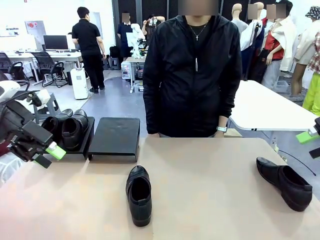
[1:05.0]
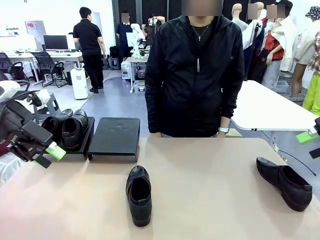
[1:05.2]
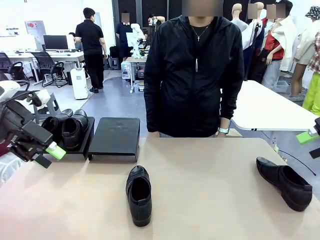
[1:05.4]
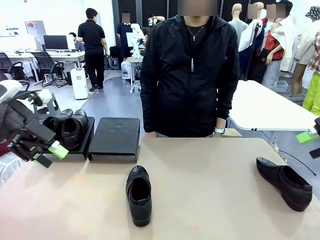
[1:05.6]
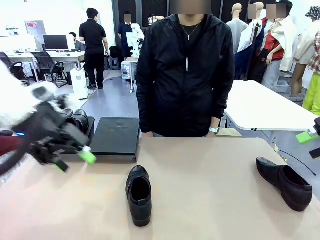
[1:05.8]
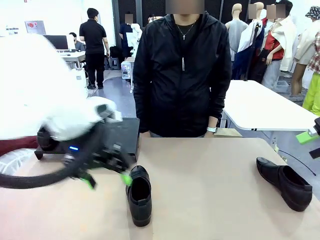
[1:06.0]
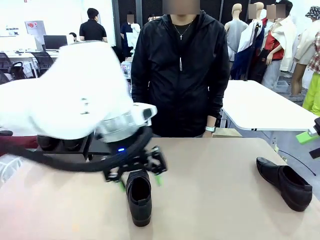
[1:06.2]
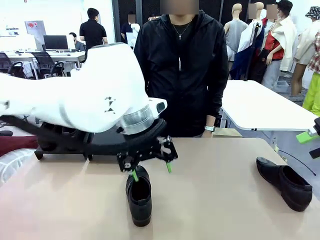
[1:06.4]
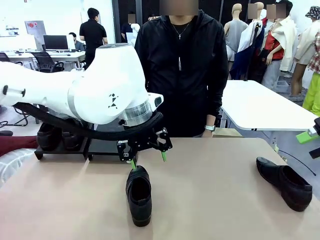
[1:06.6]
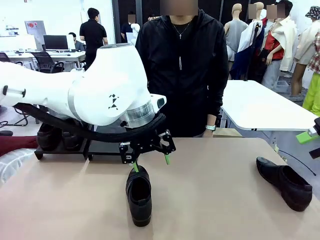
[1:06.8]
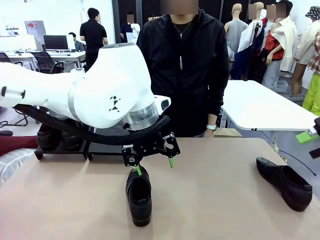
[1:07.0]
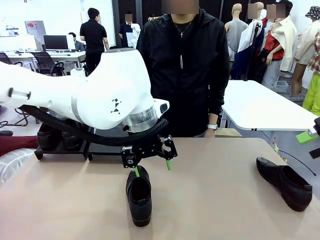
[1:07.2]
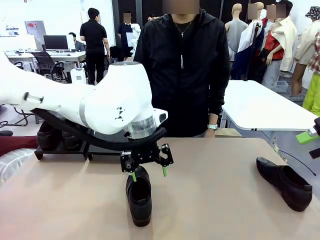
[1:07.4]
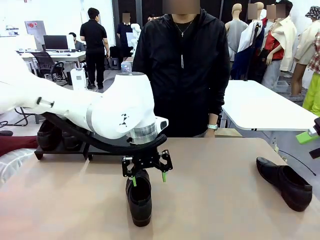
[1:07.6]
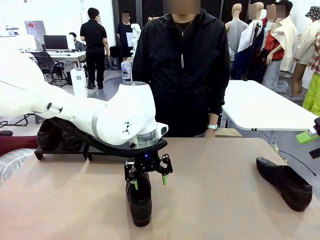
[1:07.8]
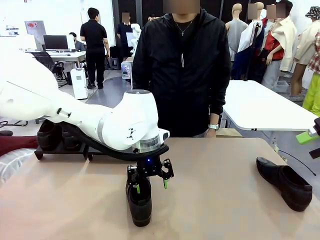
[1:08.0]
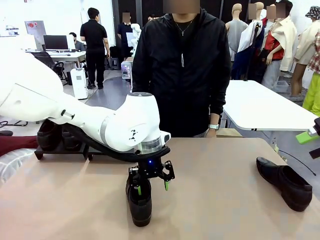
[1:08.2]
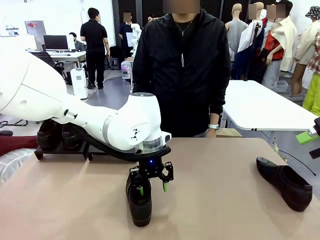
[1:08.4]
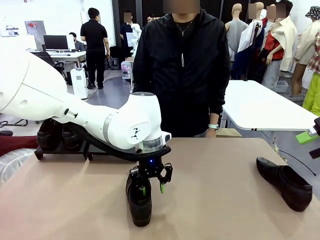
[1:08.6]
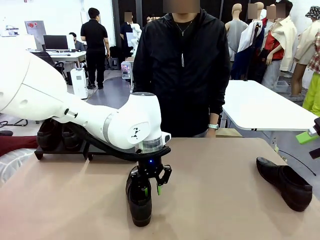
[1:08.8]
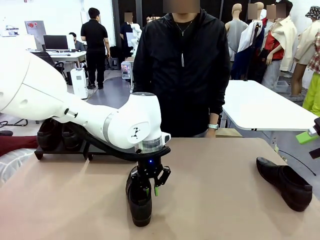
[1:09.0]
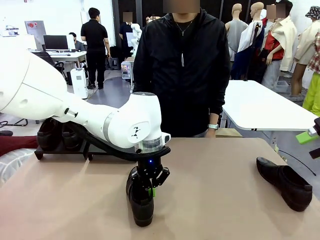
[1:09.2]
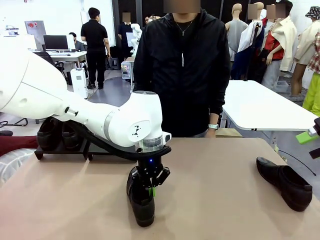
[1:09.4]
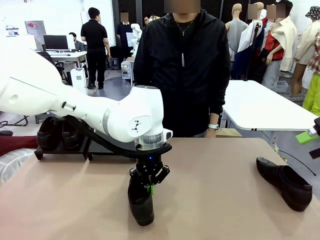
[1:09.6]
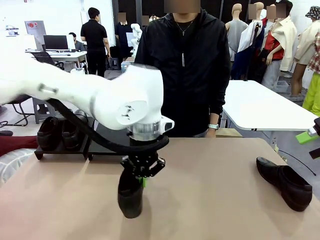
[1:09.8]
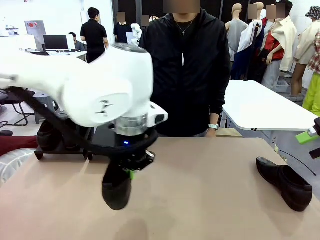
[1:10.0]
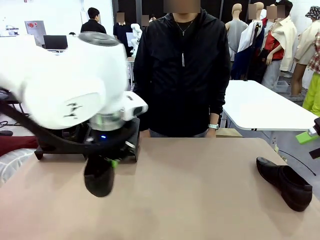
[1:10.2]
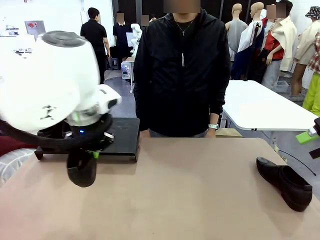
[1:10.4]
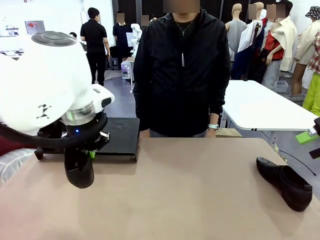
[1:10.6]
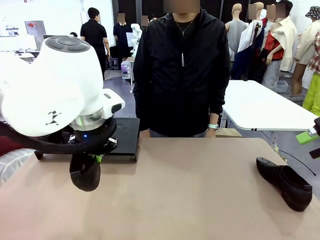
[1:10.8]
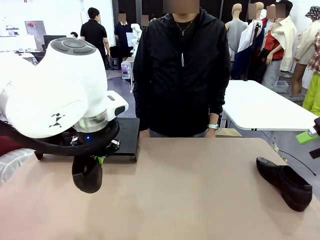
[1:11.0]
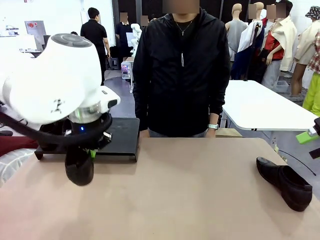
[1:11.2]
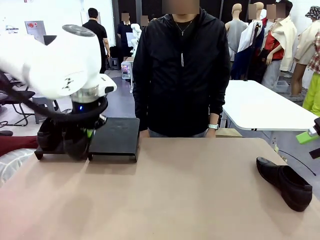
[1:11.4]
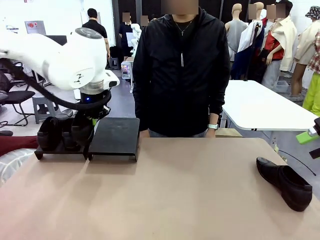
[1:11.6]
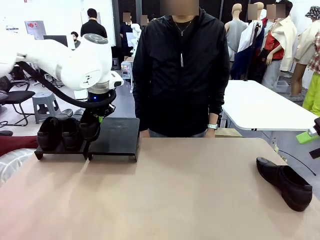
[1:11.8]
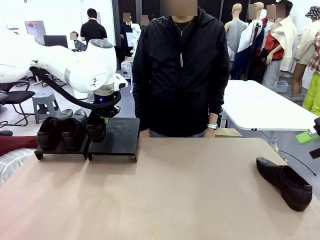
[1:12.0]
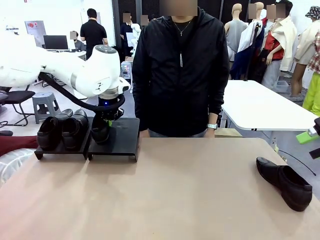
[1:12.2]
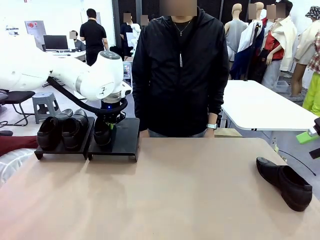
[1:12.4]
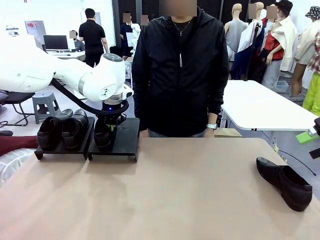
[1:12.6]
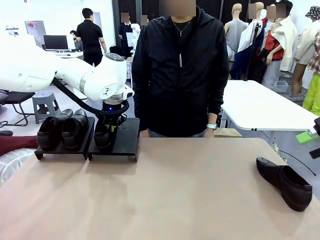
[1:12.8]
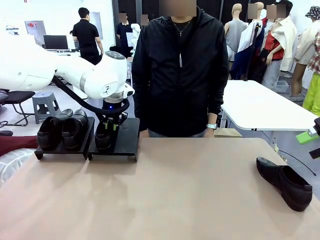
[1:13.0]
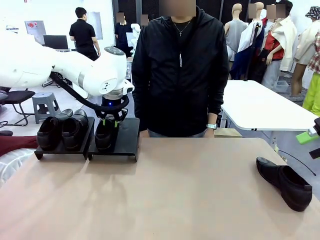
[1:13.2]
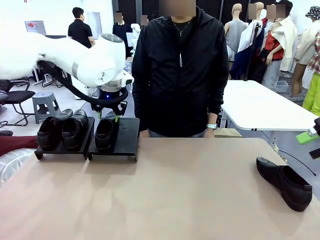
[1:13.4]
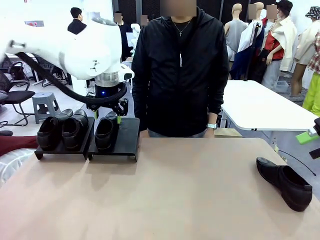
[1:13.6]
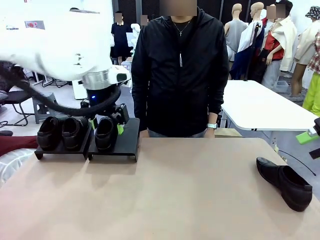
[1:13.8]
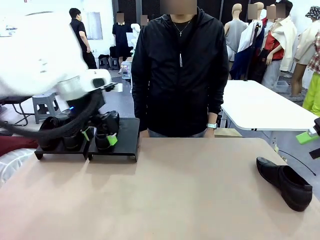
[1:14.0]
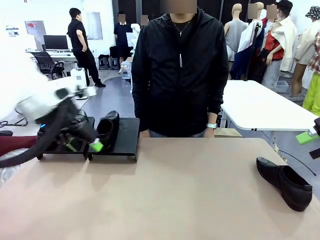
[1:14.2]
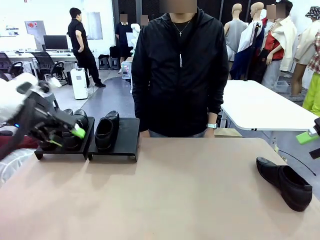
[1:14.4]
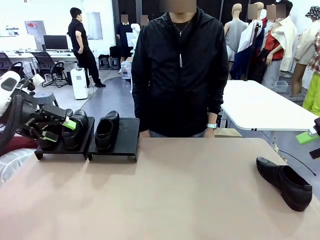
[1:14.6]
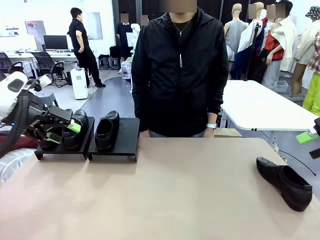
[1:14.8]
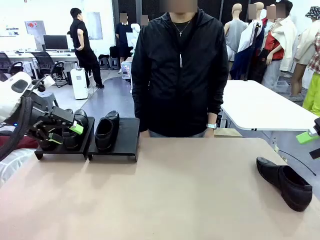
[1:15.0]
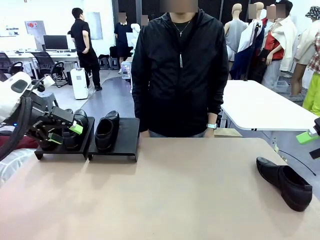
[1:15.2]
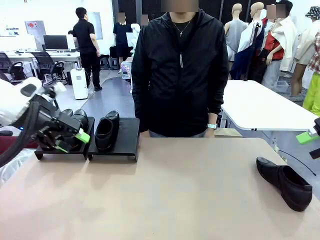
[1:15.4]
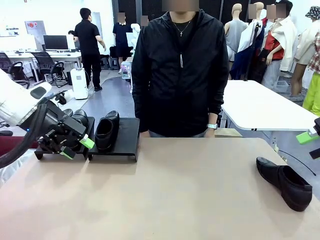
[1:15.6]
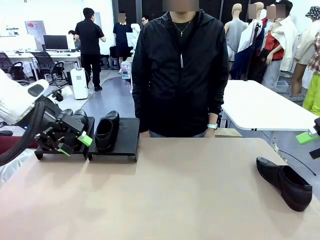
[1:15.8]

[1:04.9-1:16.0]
Task: Organize the shoes by placing them on the stand.
Robot: Place the Shoe from the middle of the table onto the Shoes Stand.

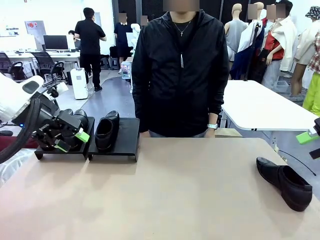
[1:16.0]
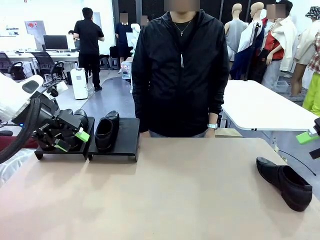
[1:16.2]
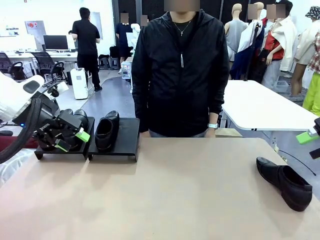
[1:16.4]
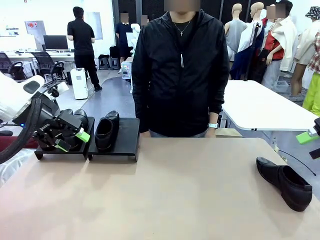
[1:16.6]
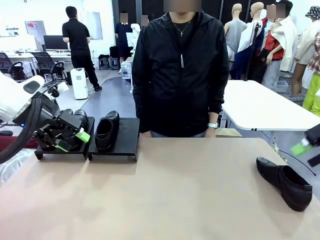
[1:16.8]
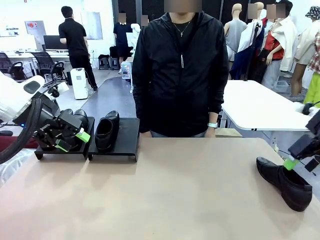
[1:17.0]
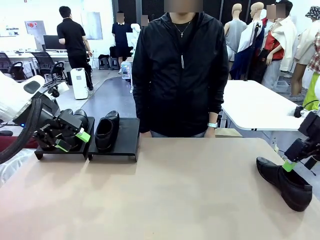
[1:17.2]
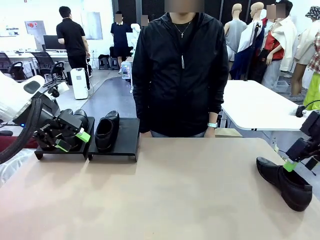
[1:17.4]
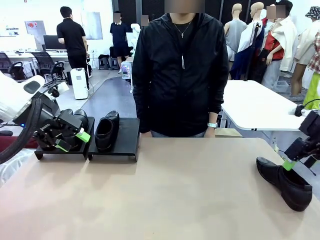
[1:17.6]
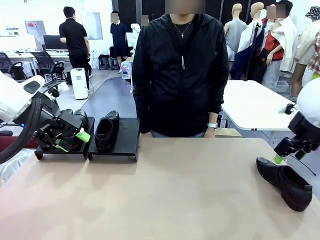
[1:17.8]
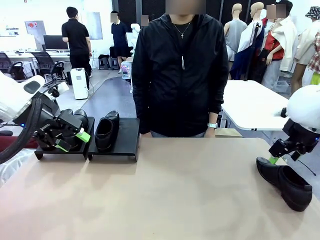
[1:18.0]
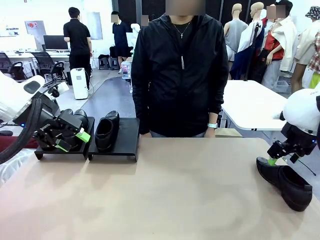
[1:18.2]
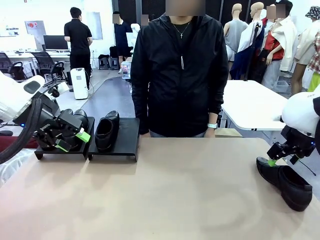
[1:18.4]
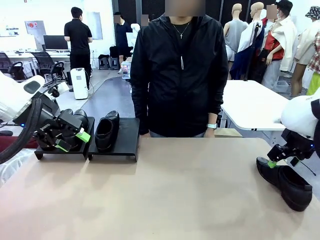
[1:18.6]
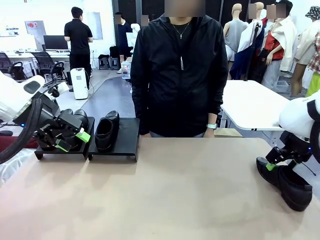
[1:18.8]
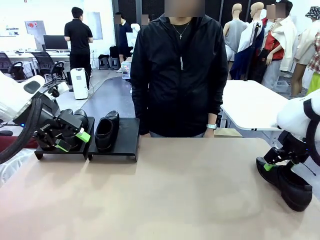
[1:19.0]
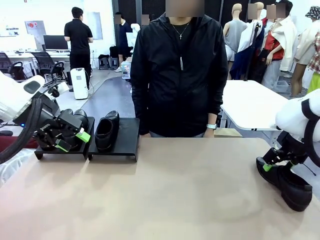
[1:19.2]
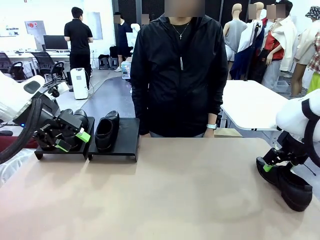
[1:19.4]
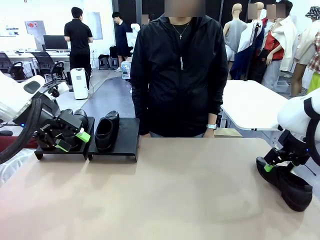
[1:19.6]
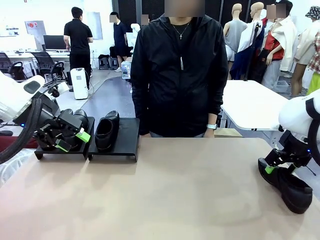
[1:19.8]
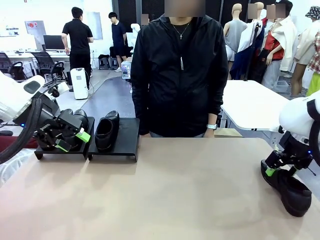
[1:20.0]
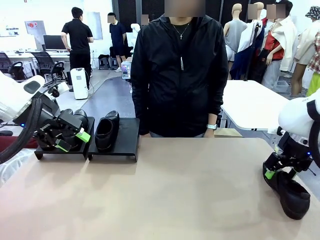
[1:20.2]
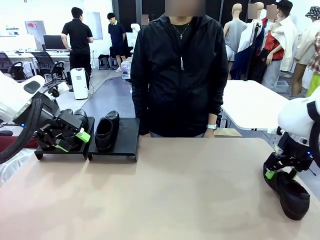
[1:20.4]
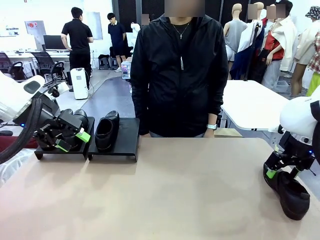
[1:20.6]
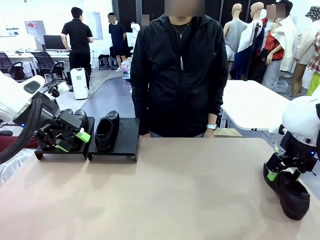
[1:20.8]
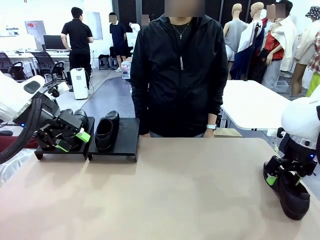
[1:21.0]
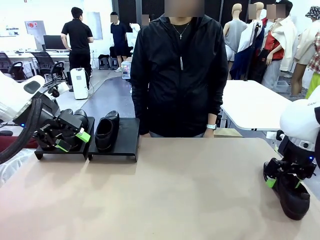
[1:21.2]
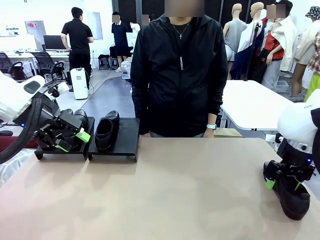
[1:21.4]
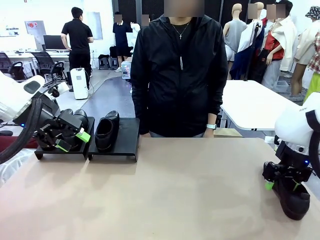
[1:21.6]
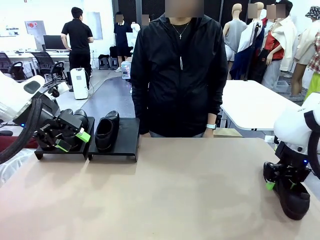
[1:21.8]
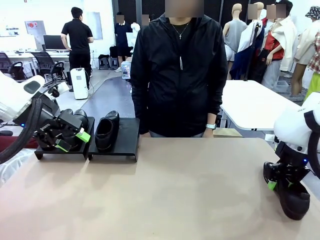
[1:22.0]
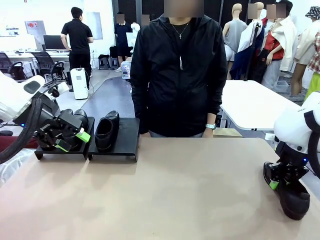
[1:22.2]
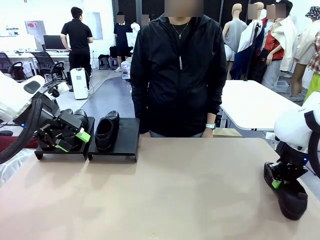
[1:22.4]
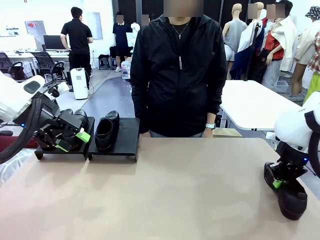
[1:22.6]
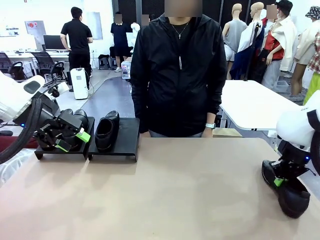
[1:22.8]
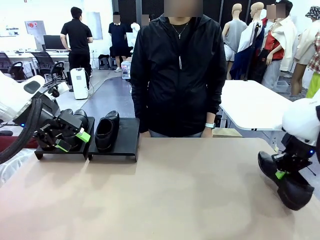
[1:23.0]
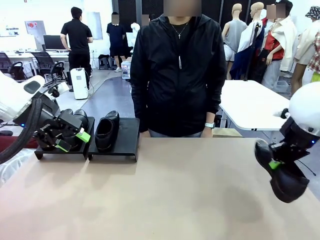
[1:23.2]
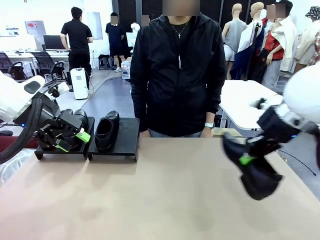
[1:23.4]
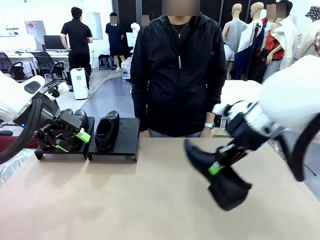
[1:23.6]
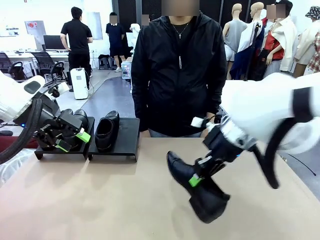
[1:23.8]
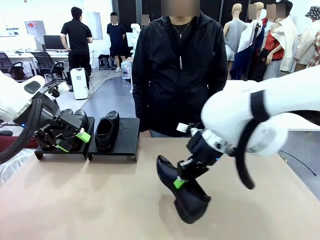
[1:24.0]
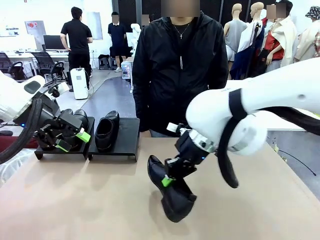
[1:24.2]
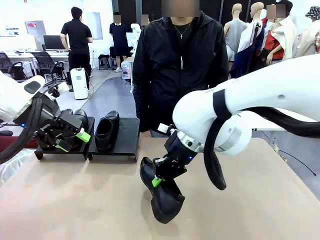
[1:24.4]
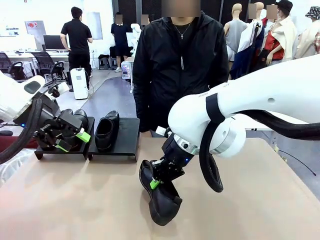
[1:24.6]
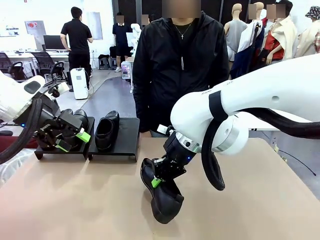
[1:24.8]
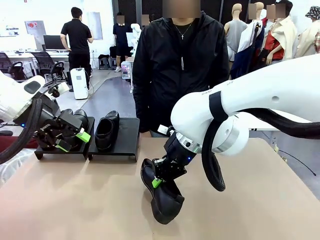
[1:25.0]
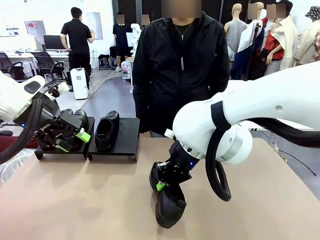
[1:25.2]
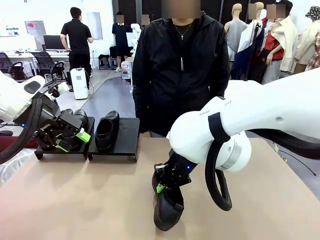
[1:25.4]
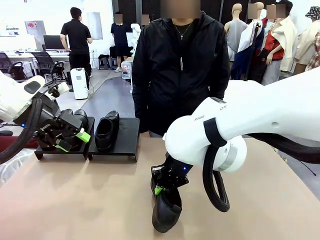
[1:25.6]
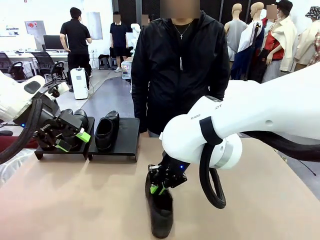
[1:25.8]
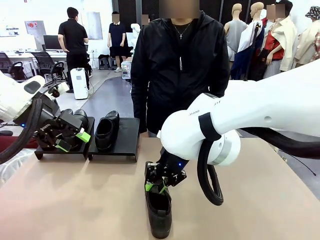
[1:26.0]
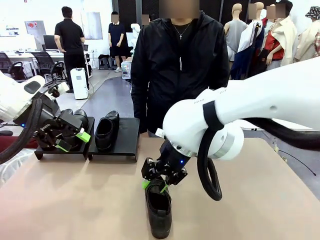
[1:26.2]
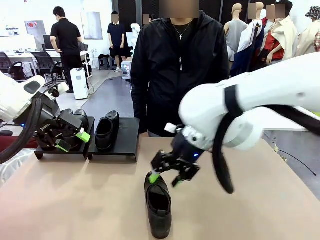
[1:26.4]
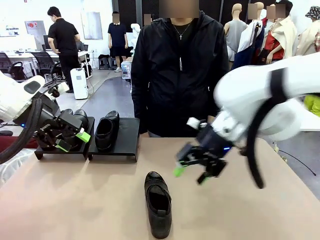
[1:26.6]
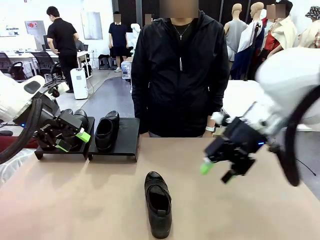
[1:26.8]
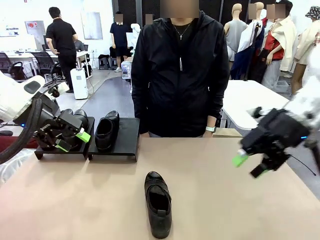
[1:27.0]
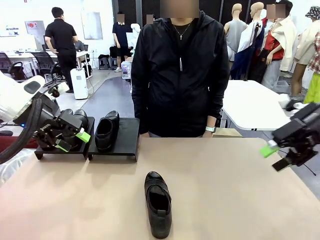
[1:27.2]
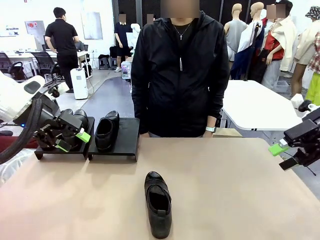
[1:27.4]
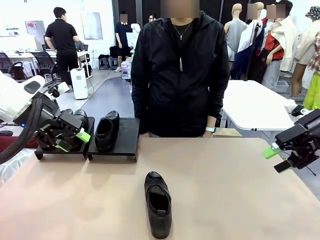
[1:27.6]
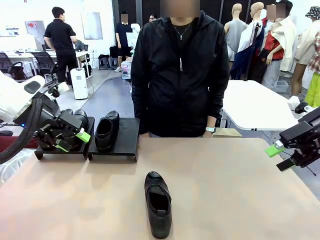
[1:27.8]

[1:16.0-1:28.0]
Robot: Pick up one Shoe and place it in the middle of the table.
